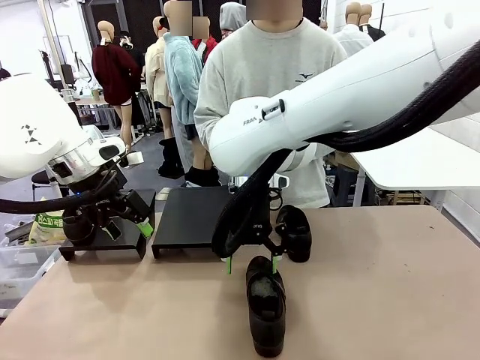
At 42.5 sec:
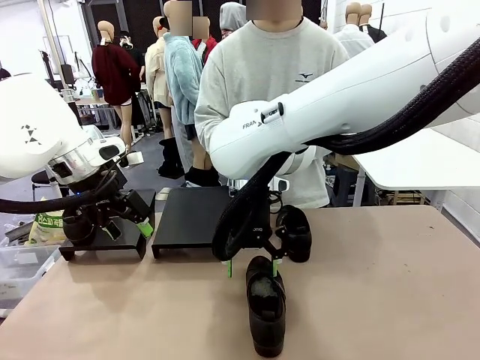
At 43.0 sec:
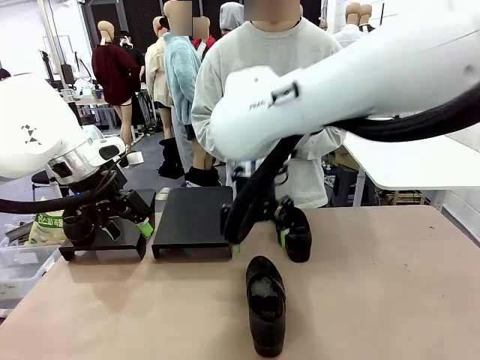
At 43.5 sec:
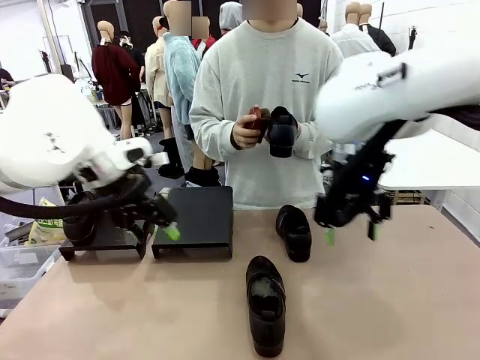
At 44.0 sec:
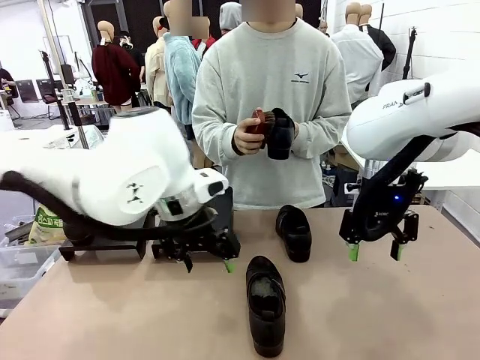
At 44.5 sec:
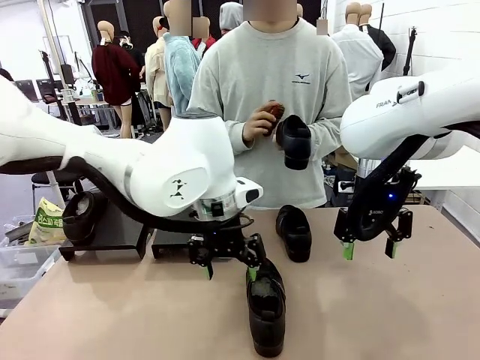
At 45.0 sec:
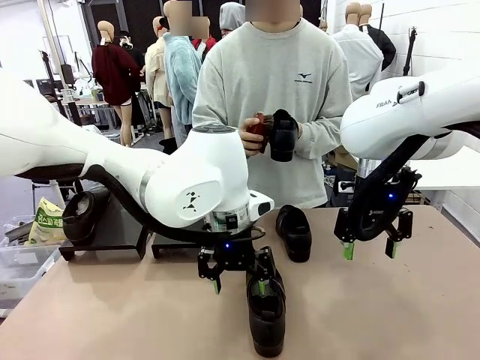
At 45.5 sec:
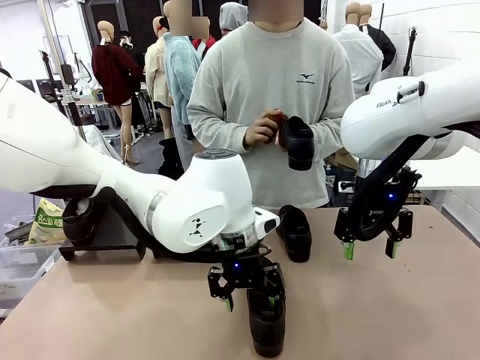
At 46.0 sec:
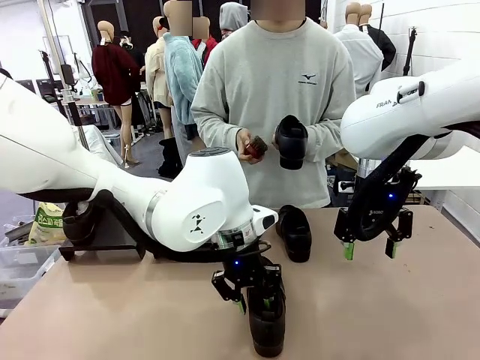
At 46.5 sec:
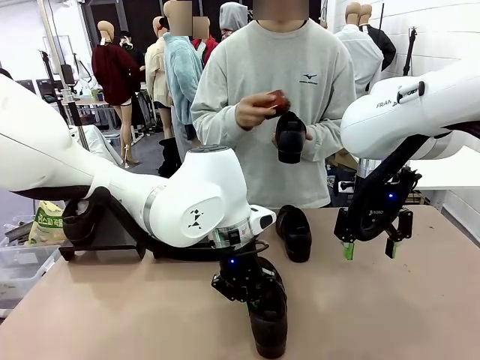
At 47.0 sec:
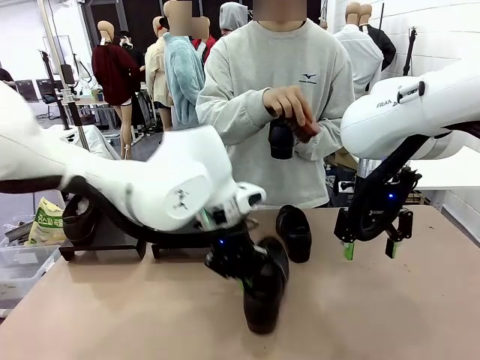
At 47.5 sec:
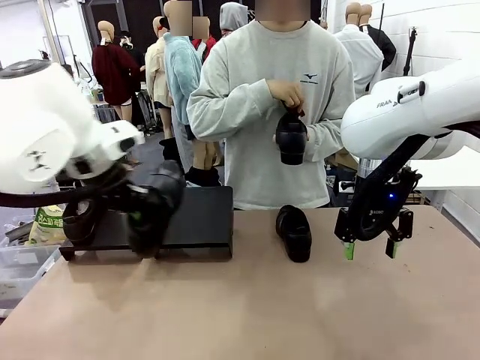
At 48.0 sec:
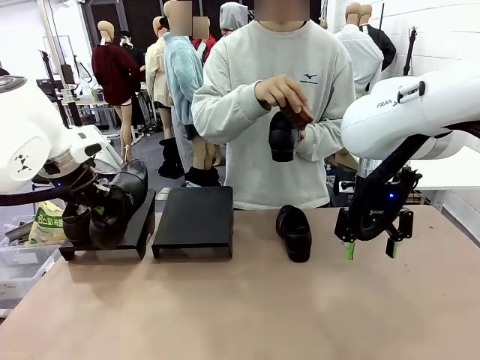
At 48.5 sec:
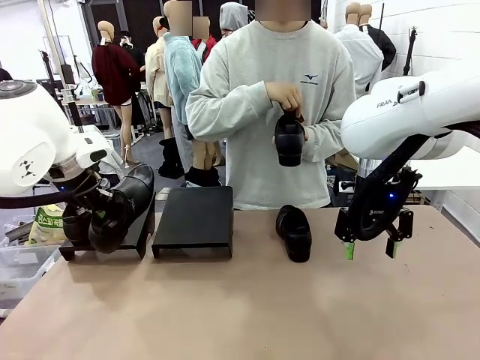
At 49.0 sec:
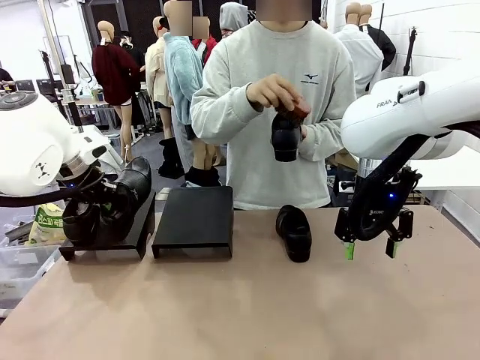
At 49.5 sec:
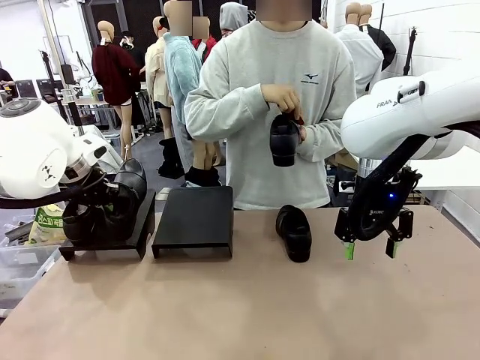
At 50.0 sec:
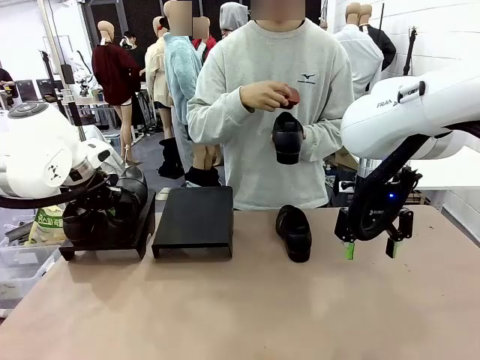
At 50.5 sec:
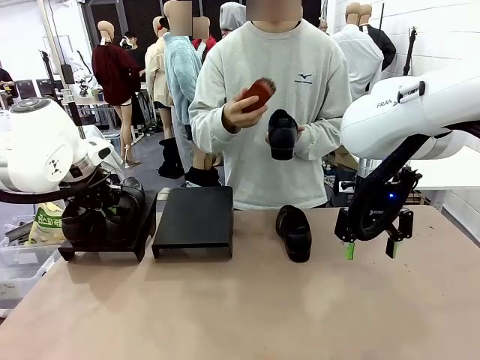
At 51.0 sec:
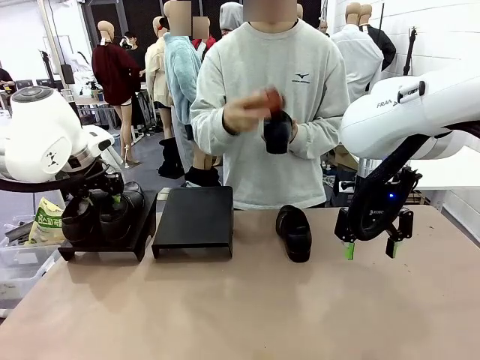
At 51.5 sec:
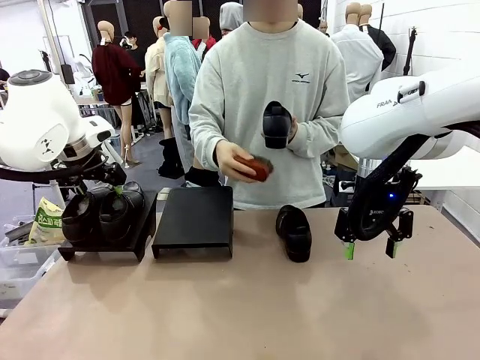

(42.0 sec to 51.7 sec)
Task: Organize the shoes by placing them on the stand.
Robot: Place the Shoe from the middle of the table onto the Shoes Stand.

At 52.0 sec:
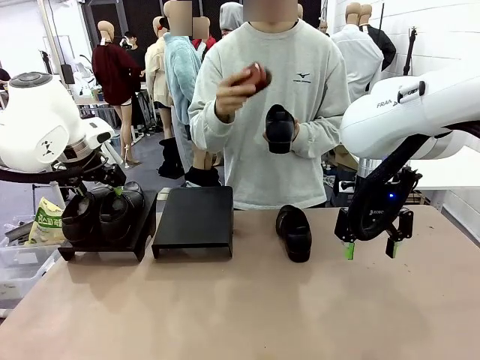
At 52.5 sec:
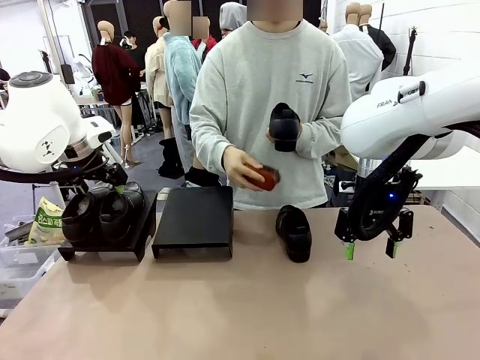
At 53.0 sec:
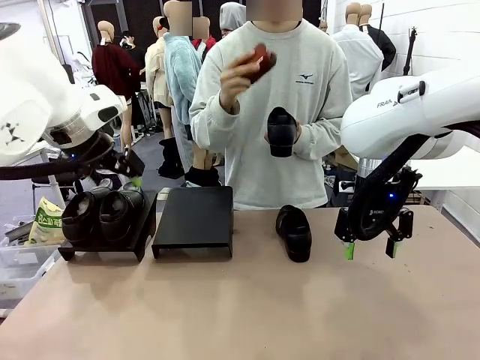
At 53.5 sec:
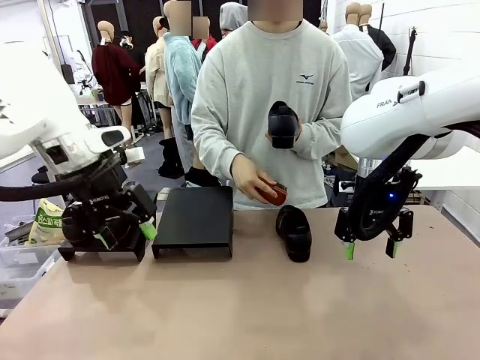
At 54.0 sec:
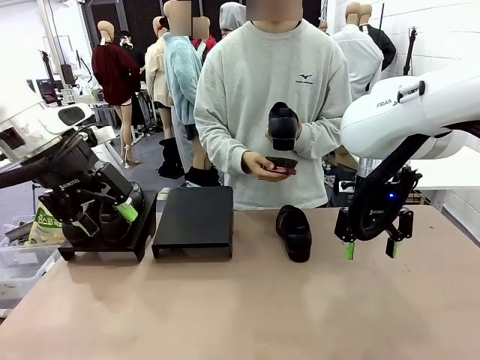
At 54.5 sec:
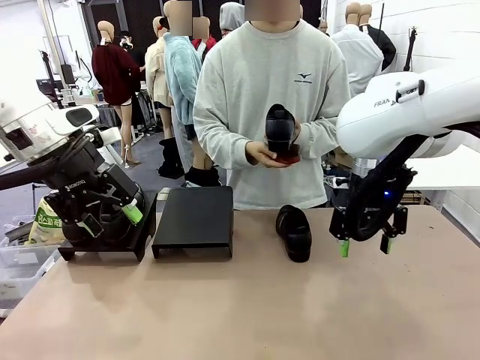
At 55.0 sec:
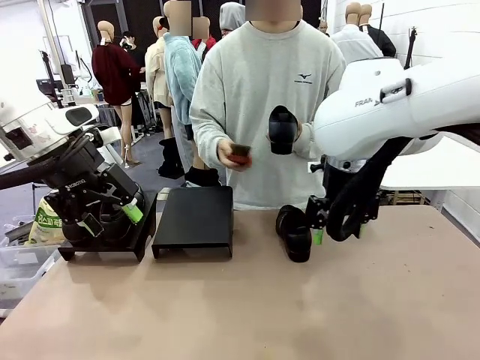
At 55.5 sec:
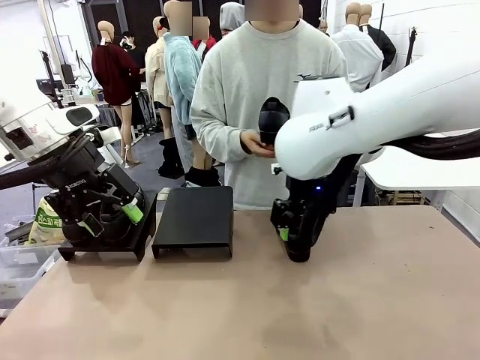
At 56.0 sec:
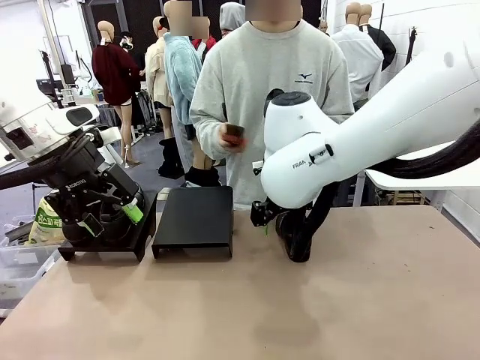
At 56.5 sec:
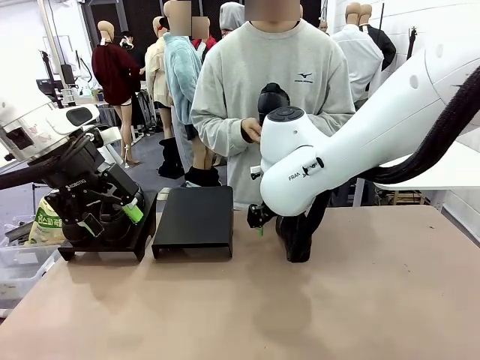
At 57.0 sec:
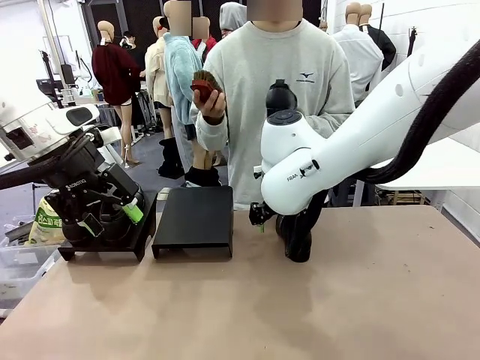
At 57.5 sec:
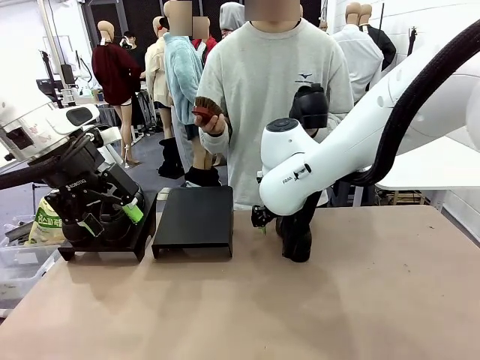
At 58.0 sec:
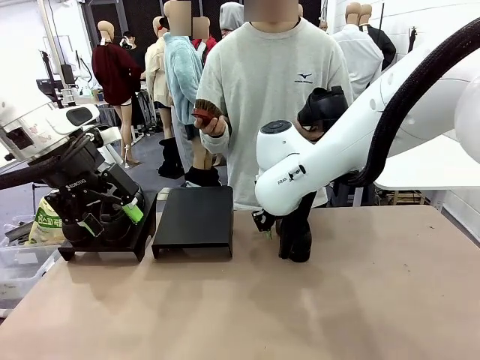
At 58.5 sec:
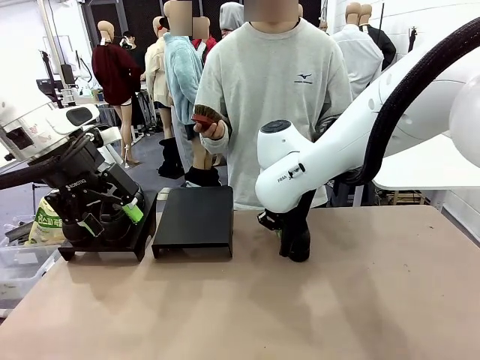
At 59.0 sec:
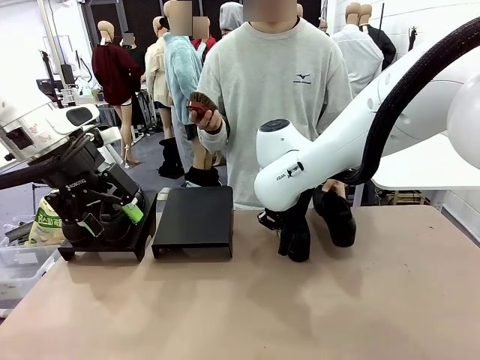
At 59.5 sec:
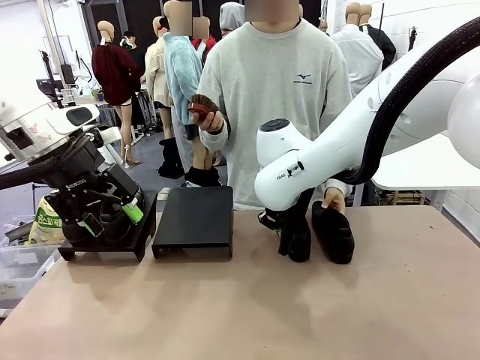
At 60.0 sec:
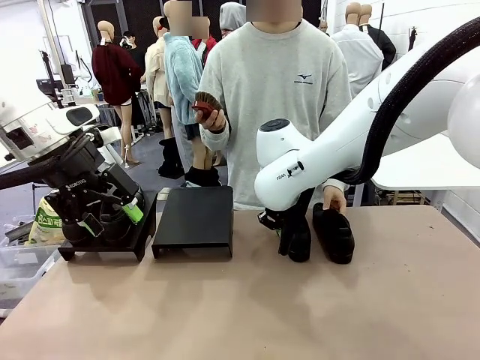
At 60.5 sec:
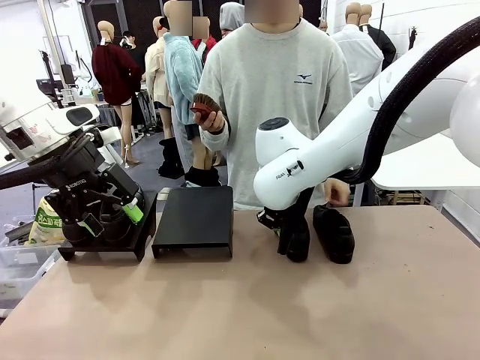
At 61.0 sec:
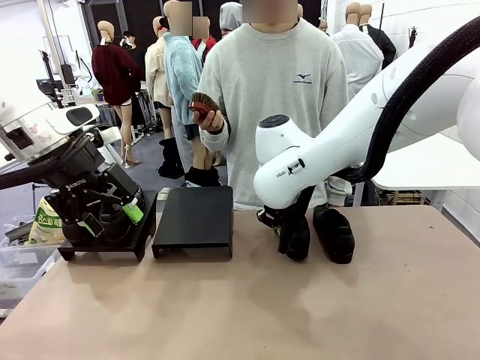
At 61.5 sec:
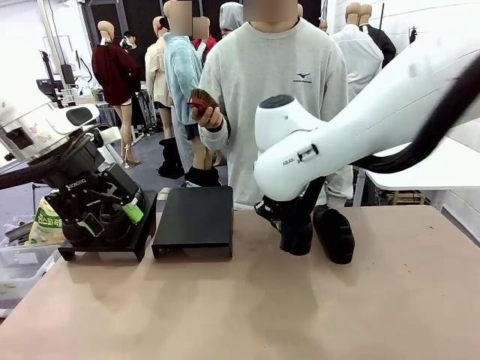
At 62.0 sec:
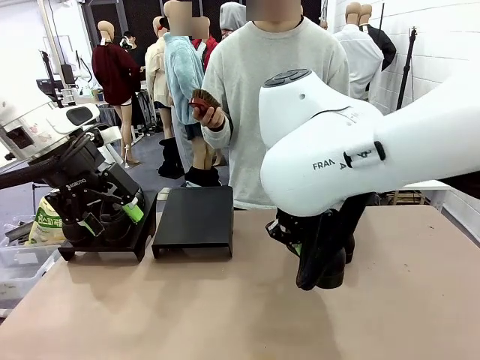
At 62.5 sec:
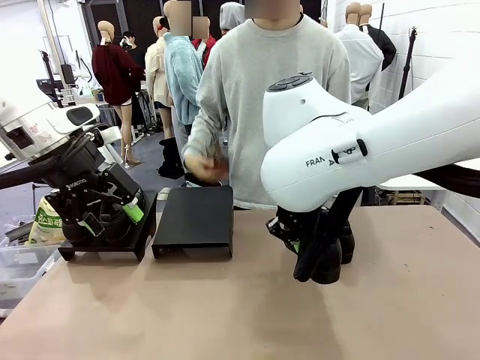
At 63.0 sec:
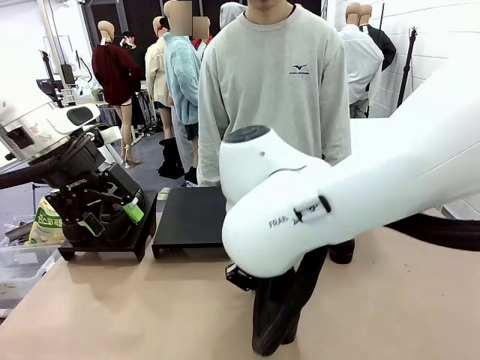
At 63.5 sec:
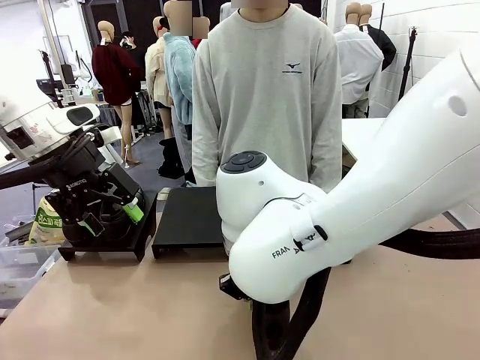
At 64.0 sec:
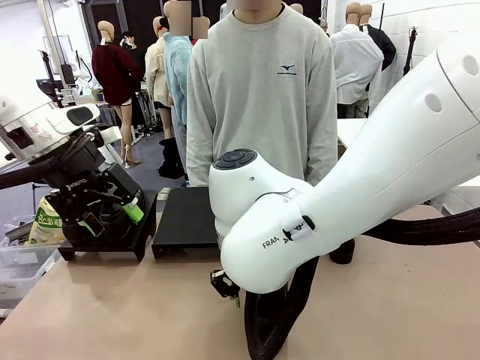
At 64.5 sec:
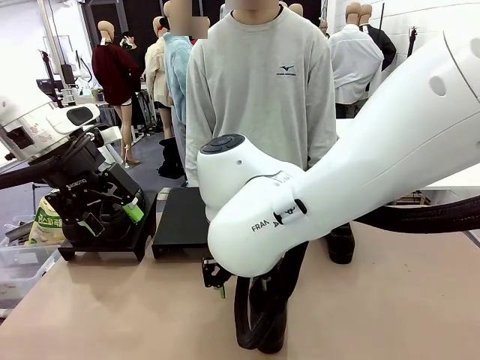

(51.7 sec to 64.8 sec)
Robot: Pick up one Shoe and place it in the middle of the table.

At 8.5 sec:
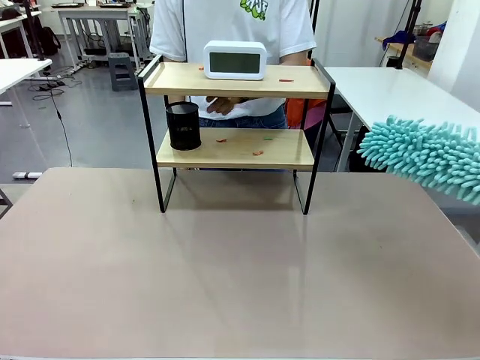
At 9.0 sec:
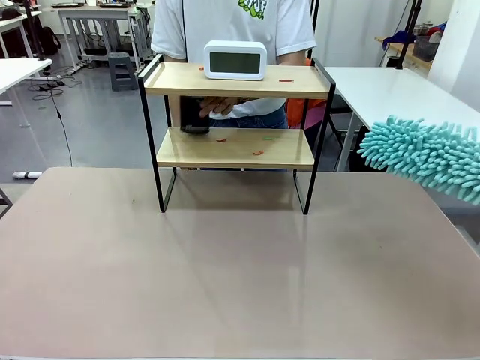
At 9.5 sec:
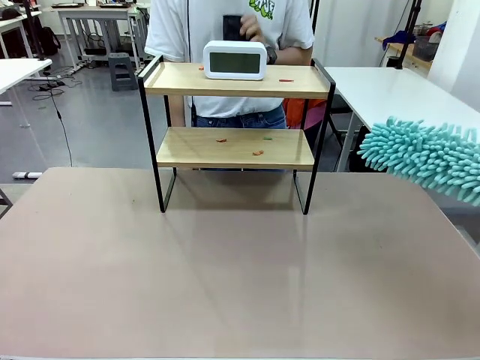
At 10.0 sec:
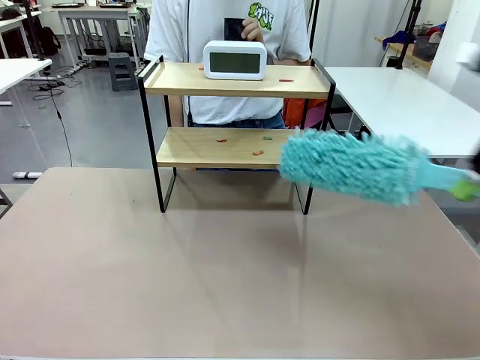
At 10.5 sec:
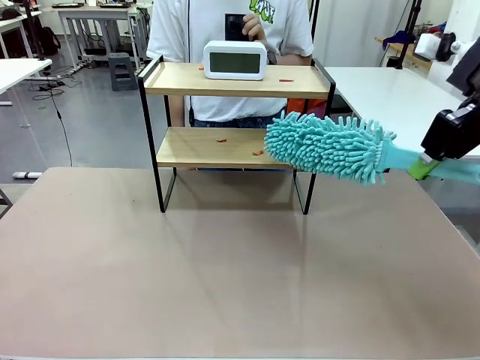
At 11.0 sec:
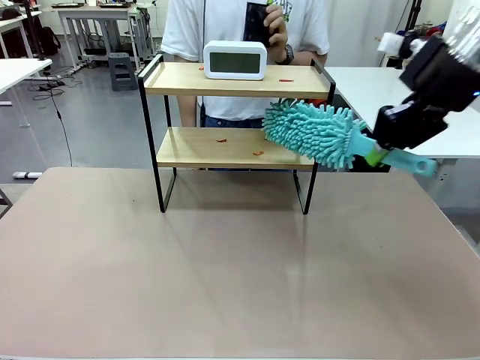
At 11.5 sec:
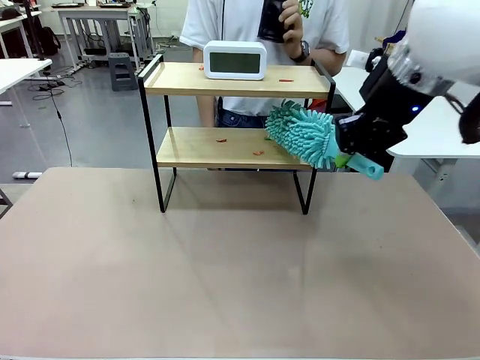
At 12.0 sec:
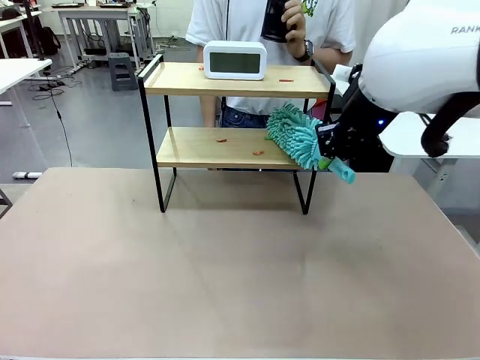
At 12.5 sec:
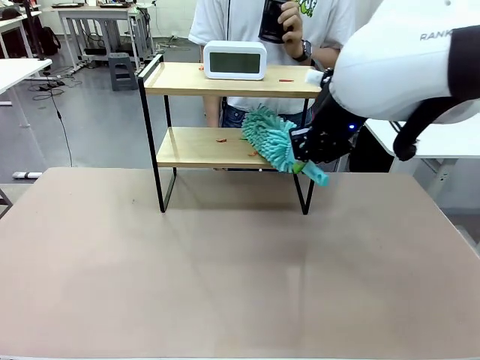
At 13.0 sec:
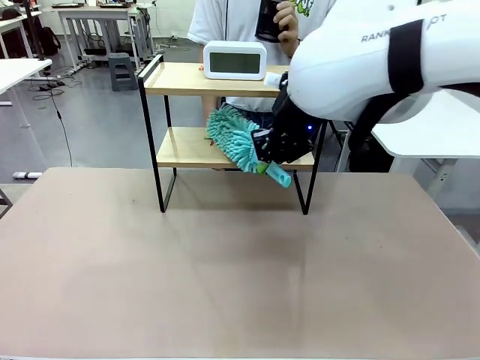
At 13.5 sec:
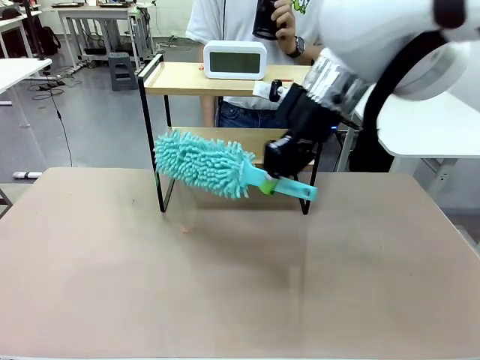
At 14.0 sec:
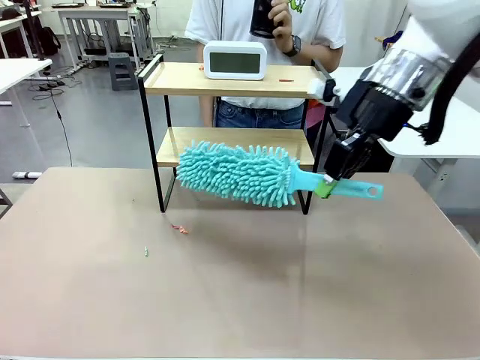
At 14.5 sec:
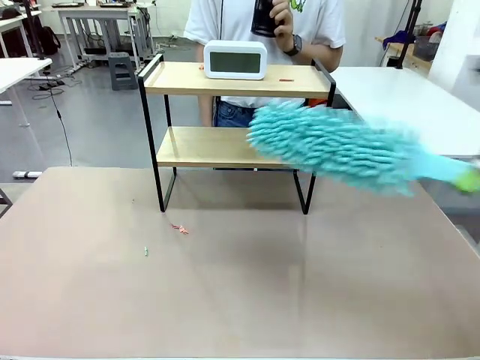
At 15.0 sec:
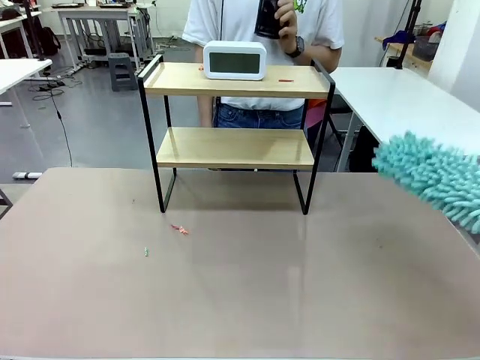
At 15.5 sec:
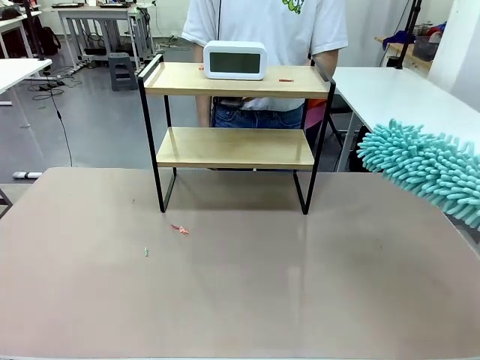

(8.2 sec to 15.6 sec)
Task: Clean the shelf.
Robot: Clean the specific tier of the Shelf with the Duster once objects are removed.
Person: Lift the objects on a randomly selected tier of the Shelf. Once the robot finishes cleaning, lift the objects on the remaining tiers of the Shelf.
